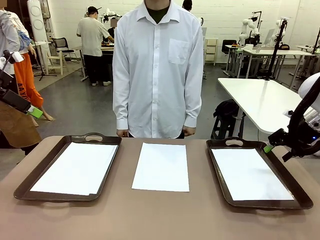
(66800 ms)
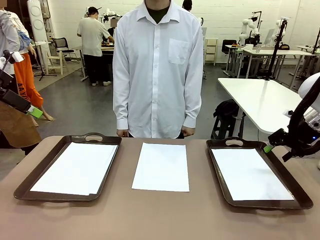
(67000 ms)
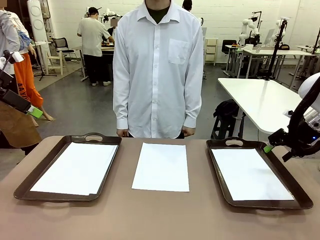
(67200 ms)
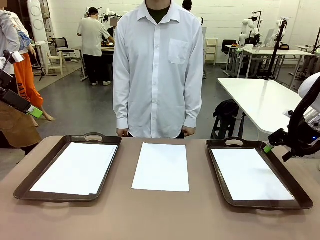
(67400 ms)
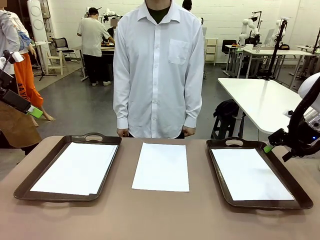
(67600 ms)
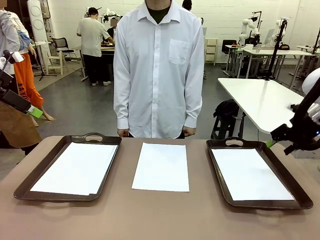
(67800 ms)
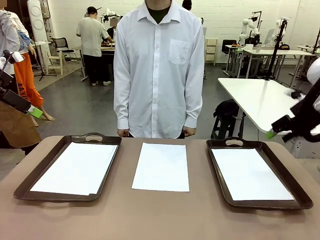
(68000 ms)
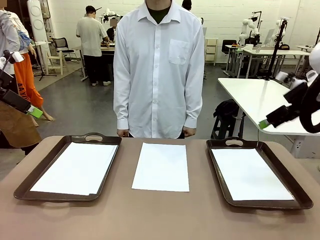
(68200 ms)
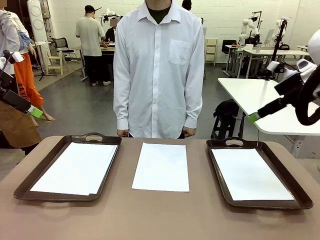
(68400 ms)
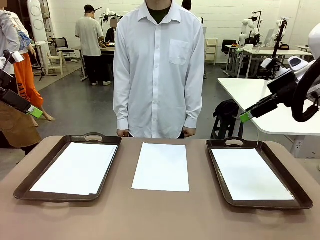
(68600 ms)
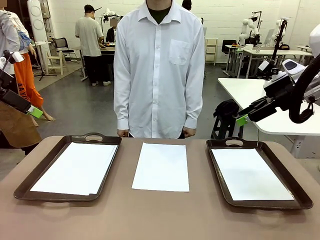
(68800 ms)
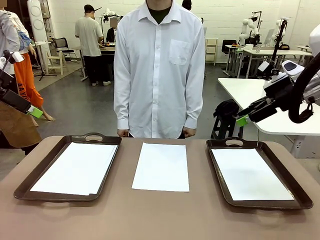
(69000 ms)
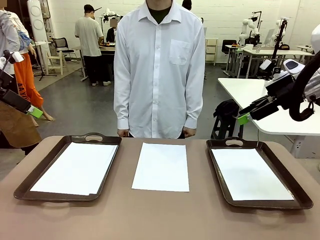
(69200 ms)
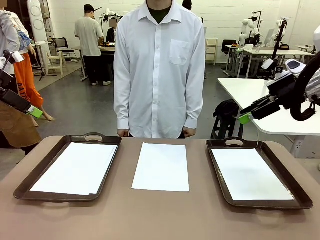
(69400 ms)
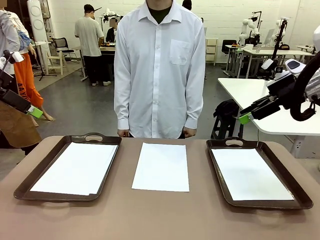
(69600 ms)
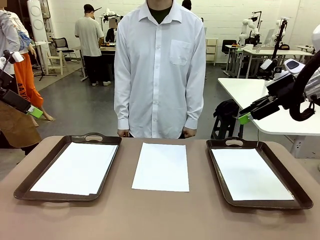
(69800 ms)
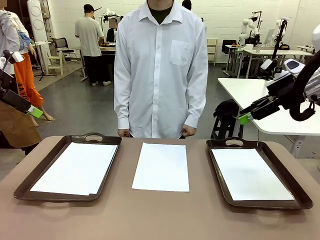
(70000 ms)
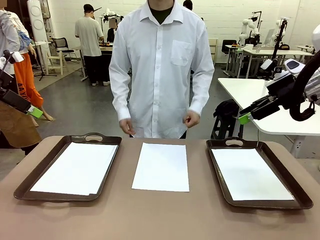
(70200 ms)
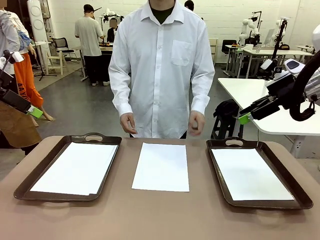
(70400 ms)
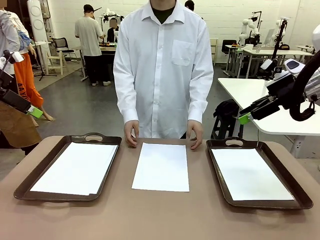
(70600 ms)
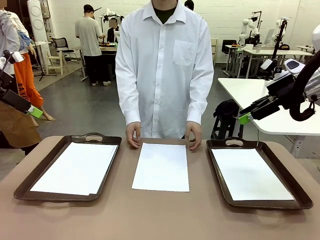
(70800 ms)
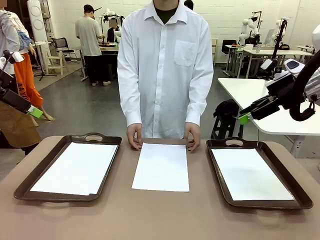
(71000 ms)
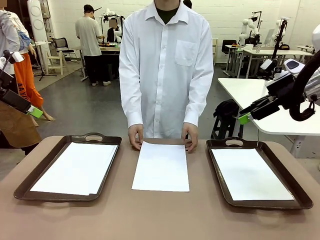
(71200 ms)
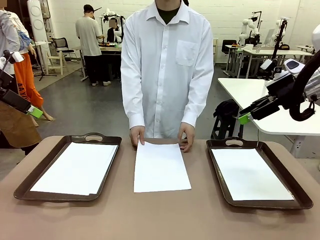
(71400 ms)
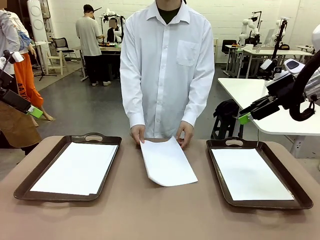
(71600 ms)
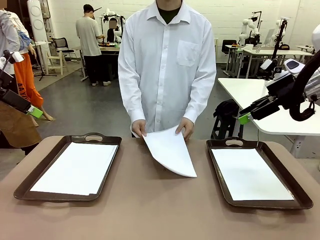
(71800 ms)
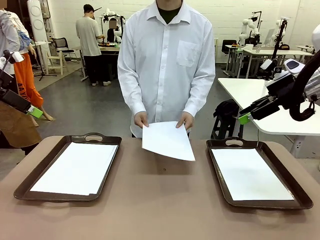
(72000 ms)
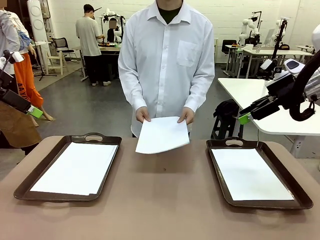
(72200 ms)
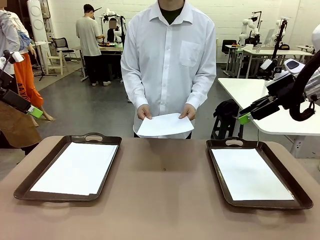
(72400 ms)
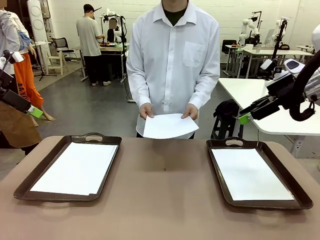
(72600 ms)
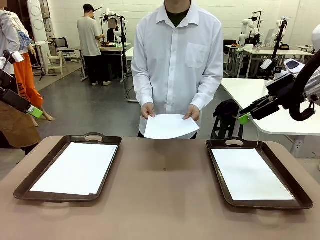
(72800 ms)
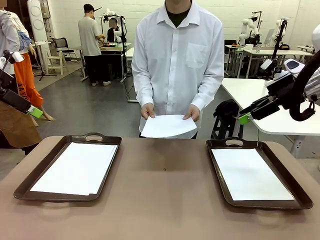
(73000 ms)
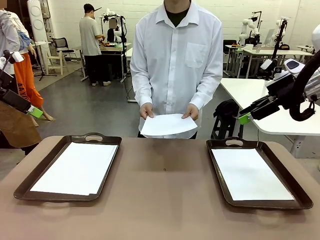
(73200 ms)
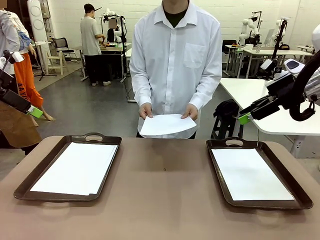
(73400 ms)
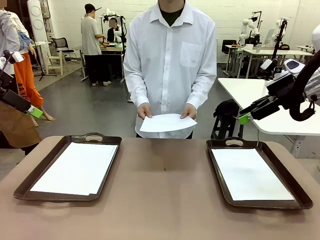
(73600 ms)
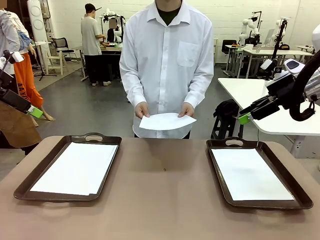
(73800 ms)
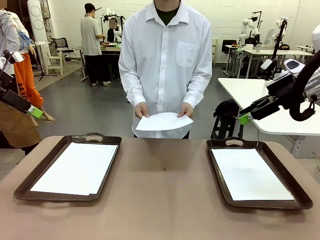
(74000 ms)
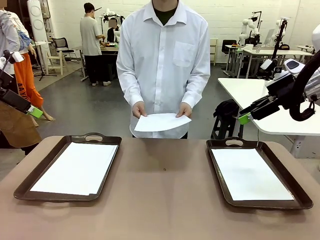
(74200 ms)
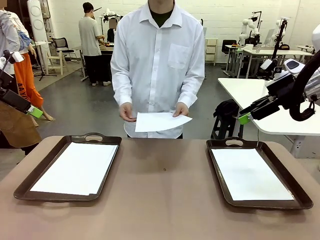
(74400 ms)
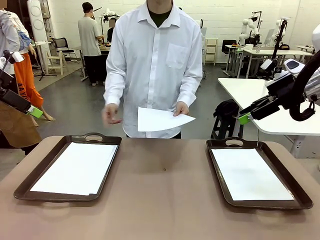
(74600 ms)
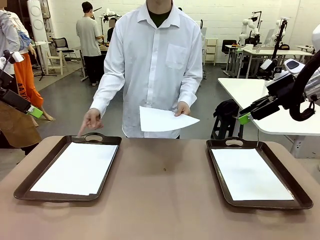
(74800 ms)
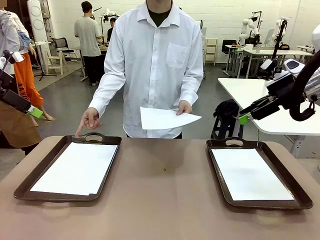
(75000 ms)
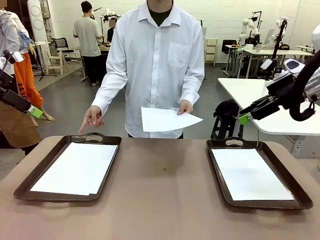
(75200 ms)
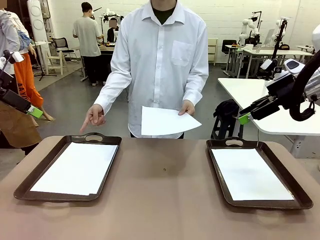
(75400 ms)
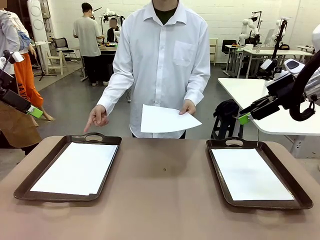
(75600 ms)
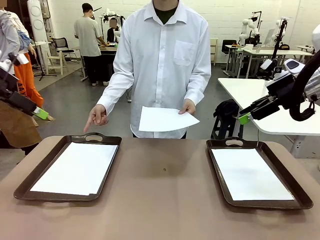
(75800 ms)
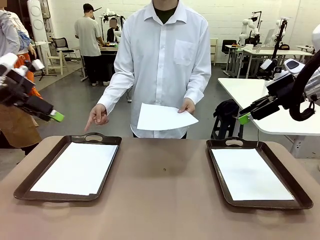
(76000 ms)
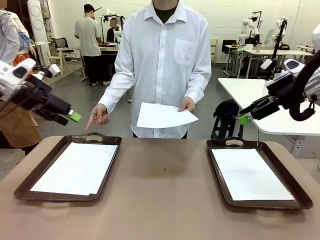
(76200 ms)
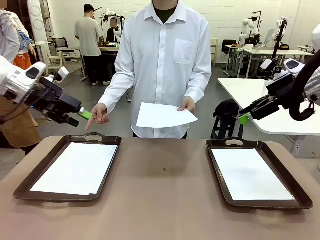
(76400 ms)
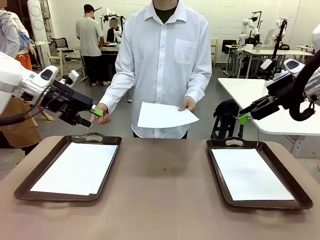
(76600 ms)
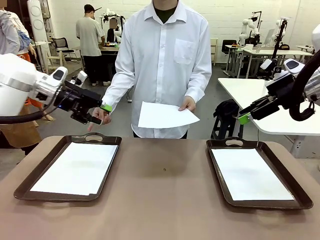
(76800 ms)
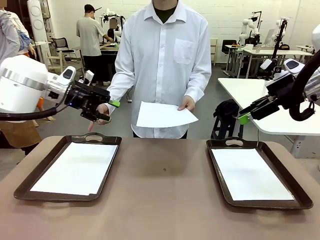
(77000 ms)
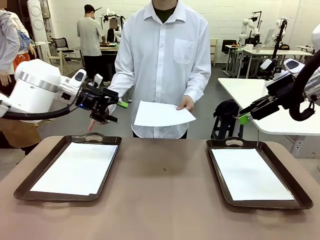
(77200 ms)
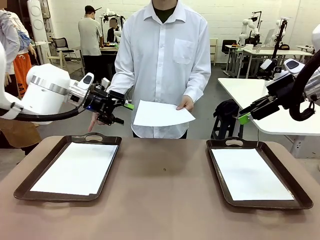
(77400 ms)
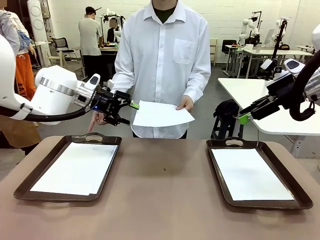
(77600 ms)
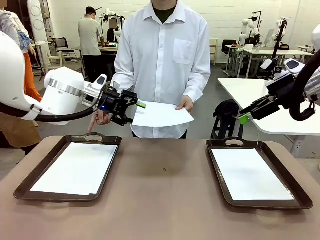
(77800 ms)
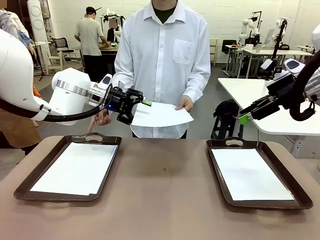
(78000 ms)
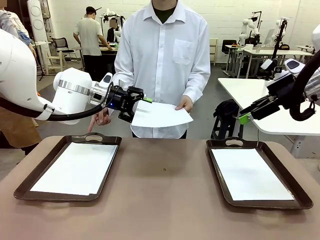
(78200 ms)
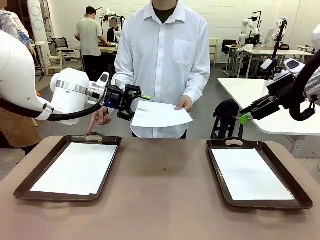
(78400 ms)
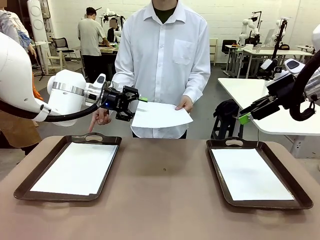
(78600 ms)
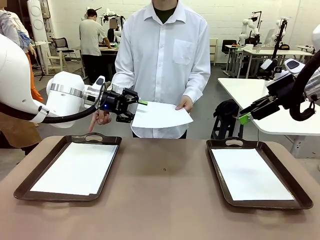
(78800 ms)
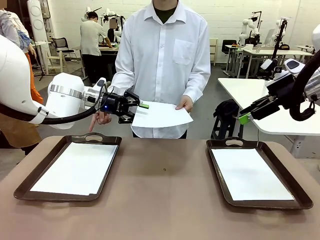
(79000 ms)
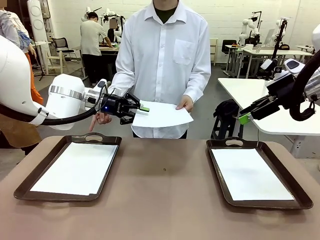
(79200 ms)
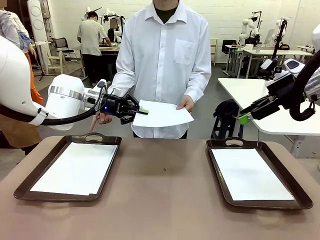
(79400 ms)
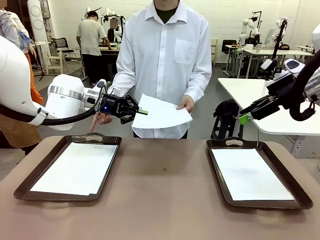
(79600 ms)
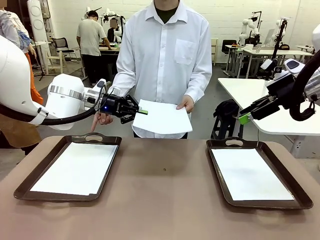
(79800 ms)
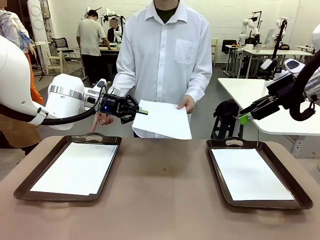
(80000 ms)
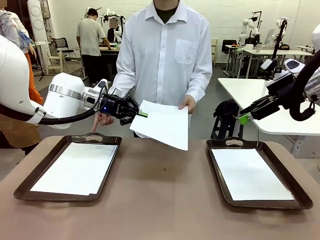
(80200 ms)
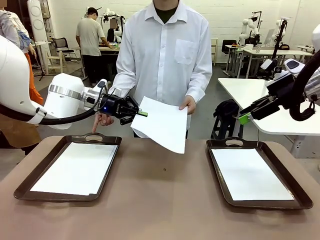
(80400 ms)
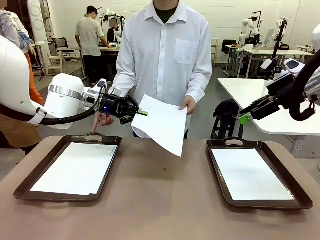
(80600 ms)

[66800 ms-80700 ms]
Task: Sort the A4 documents.
Robot: Receive the A4 Paper.
Person: Point the randomly selected tray with the other hand.

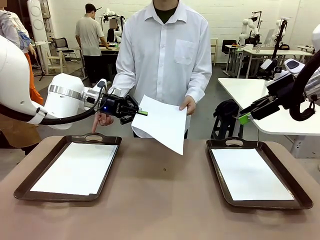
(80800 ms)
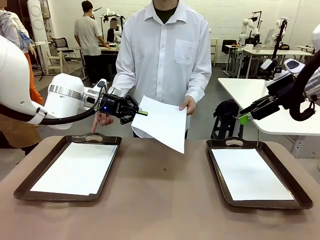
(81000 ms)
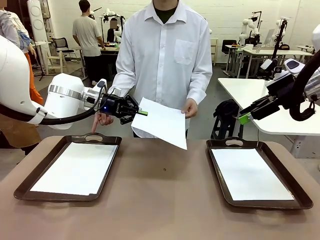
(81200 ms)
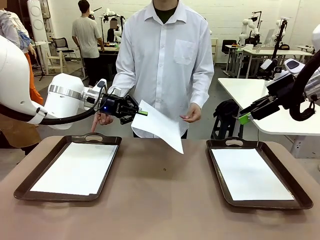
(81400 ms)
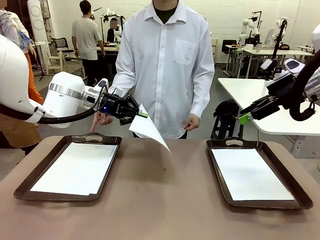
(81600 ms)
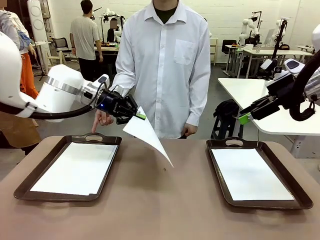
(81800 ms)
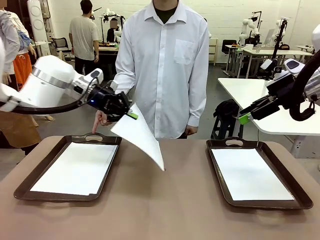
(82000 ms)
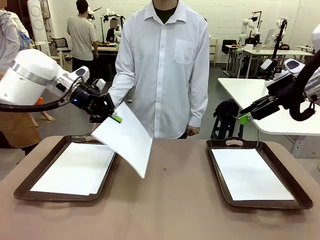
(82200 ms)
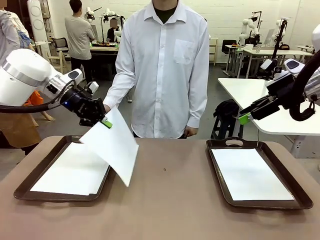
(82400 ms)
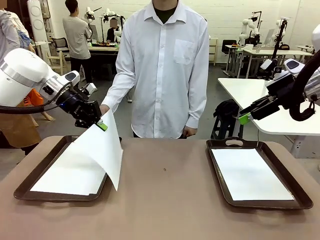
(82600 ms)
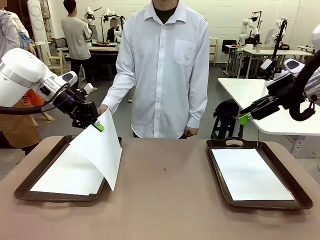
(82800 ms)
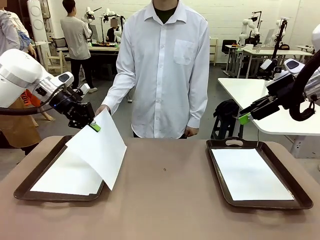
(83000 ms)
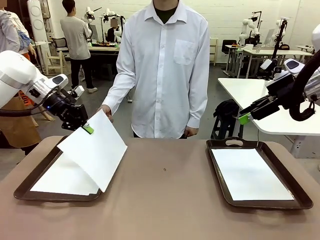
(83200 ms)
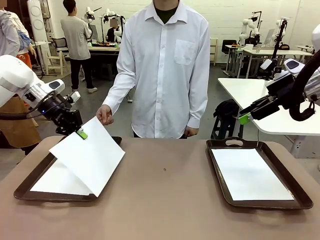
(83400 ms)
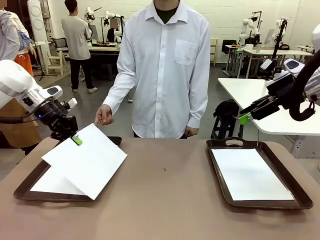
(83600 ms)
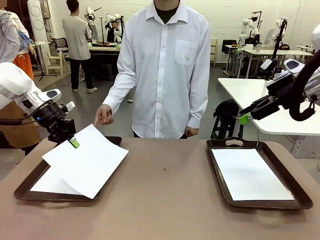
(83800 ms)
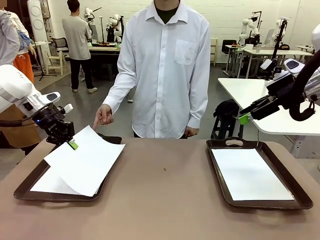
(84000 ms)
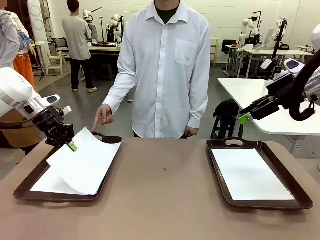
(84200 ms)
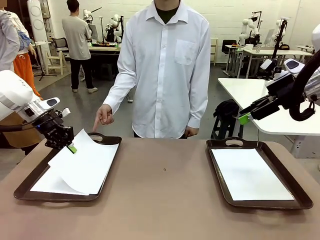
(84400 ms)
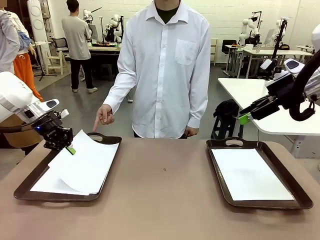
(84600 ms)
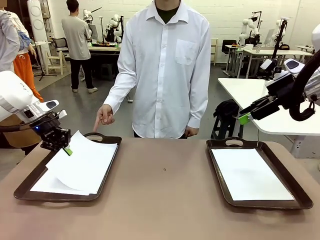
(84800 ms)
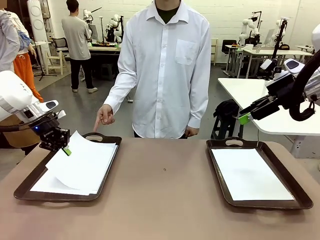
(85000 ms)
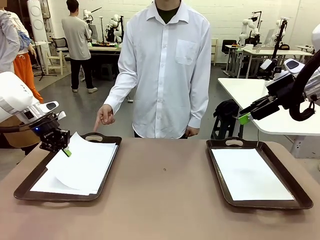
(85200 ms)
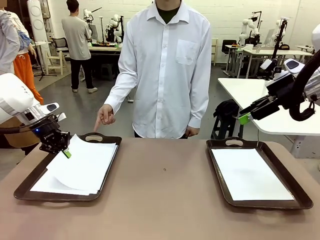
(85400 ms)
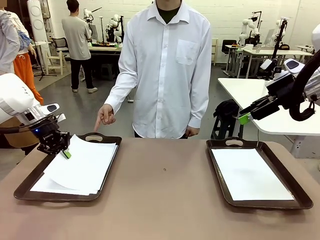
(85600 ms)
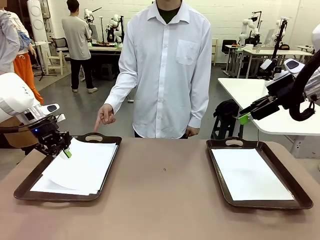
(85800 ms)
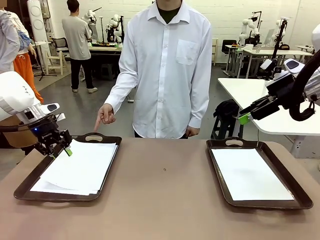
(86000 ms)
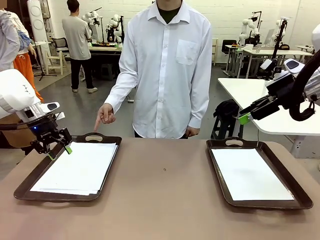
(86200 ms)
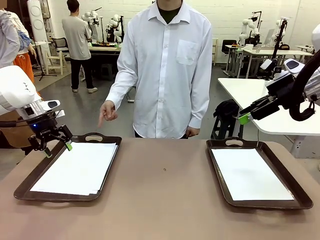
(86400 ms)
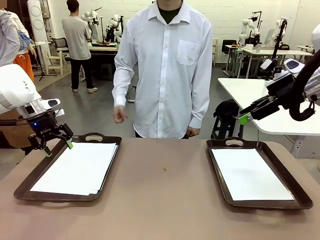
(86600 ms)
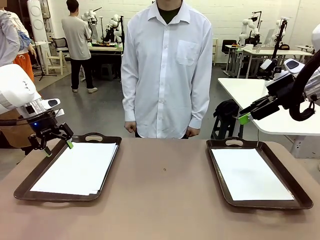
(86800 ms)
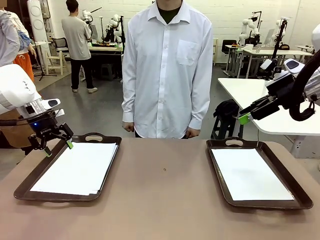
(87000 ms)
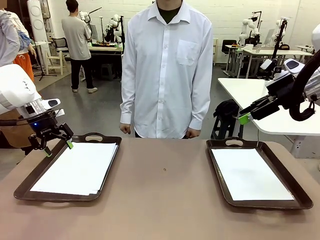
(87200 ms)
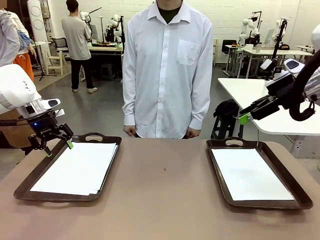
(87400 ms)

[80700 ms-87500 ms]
Robot: Place the A4 Paper in the designated Handle tray.
